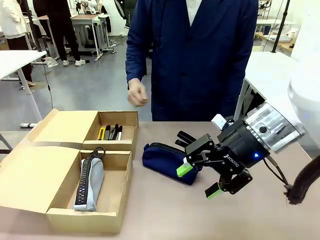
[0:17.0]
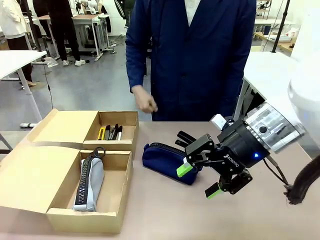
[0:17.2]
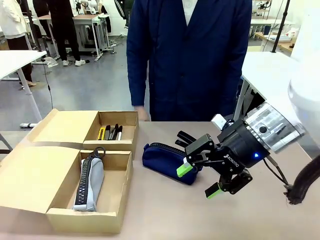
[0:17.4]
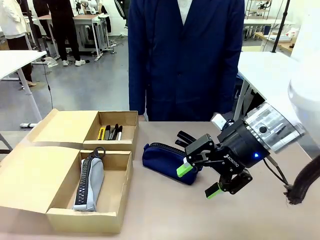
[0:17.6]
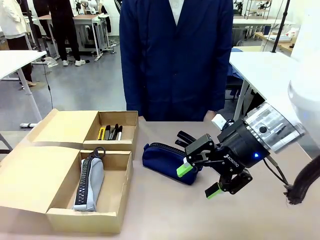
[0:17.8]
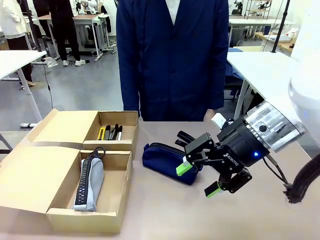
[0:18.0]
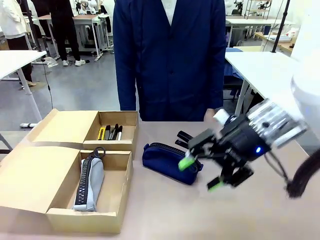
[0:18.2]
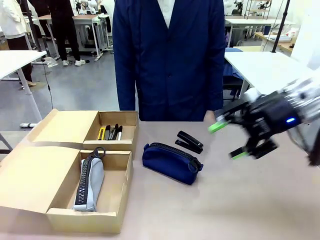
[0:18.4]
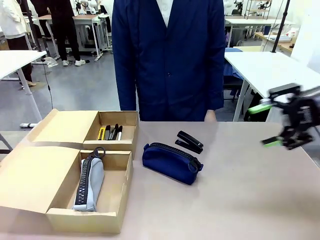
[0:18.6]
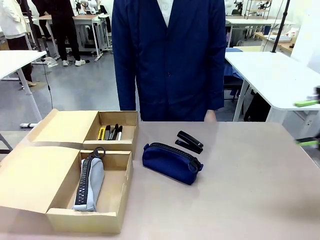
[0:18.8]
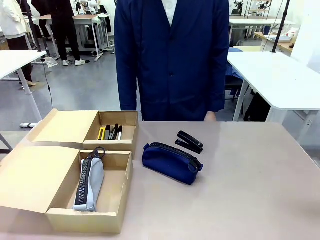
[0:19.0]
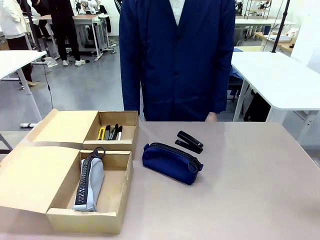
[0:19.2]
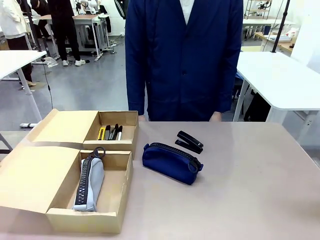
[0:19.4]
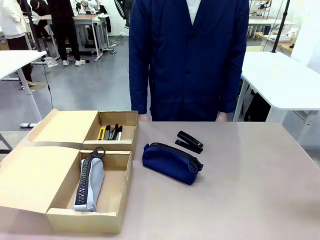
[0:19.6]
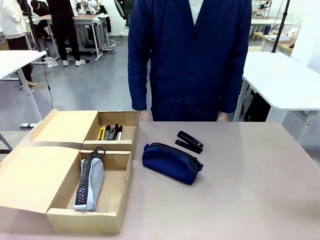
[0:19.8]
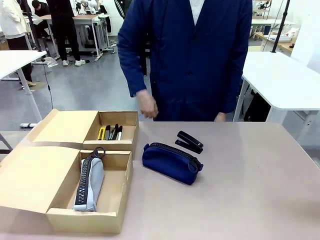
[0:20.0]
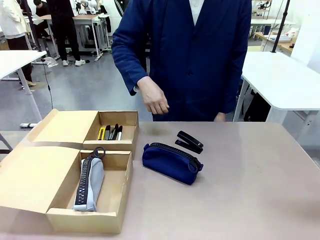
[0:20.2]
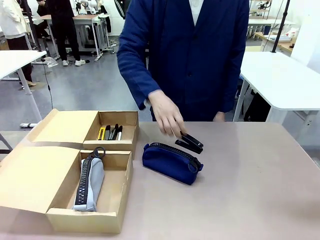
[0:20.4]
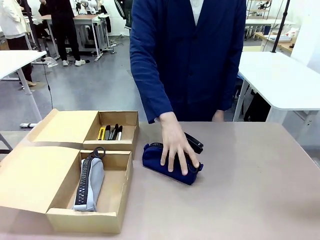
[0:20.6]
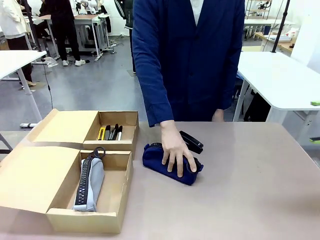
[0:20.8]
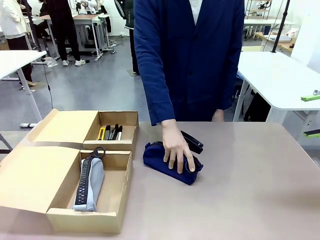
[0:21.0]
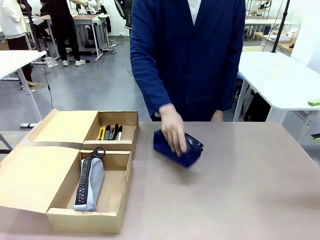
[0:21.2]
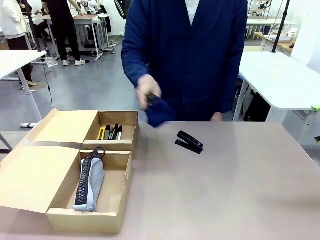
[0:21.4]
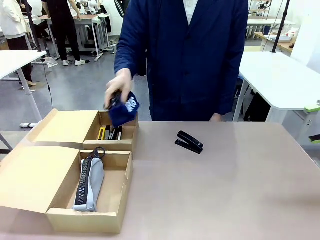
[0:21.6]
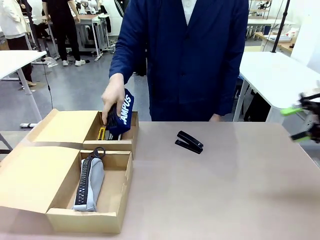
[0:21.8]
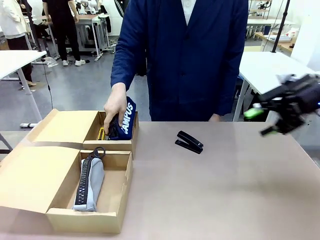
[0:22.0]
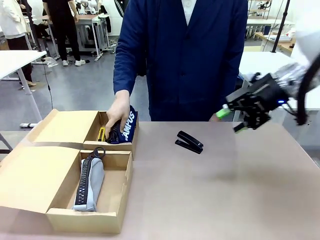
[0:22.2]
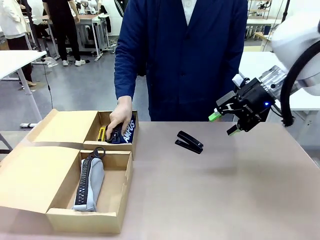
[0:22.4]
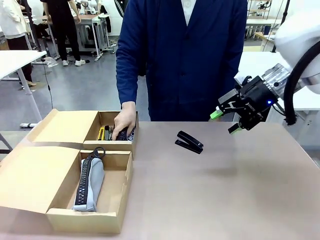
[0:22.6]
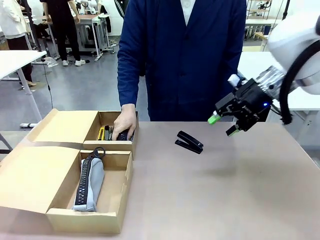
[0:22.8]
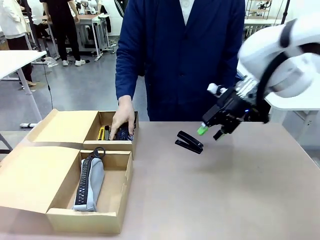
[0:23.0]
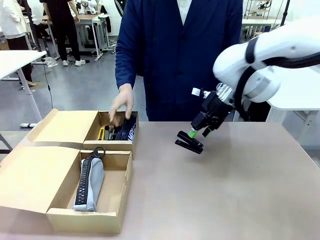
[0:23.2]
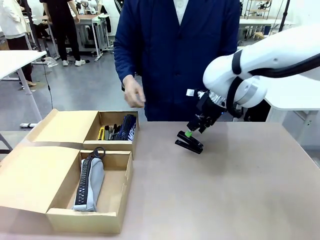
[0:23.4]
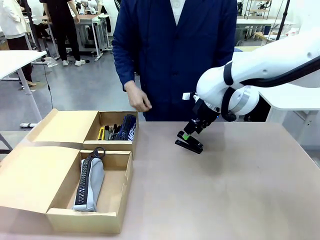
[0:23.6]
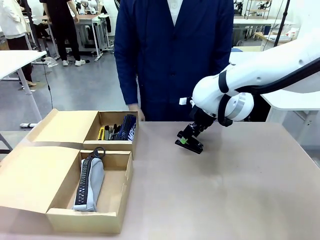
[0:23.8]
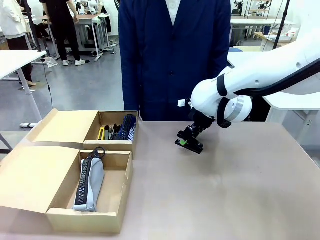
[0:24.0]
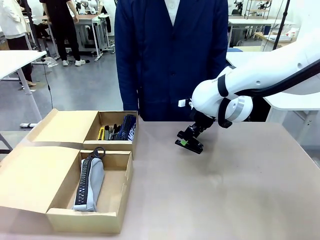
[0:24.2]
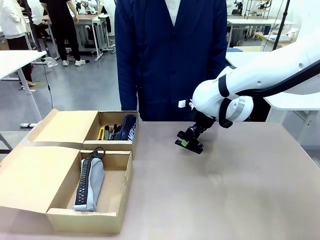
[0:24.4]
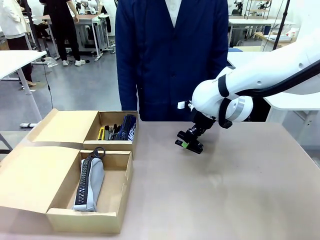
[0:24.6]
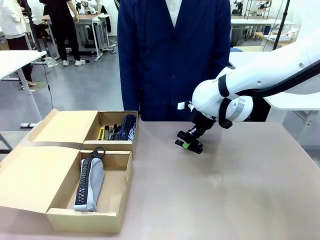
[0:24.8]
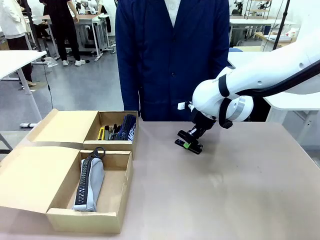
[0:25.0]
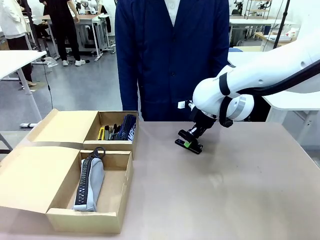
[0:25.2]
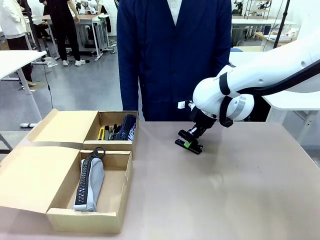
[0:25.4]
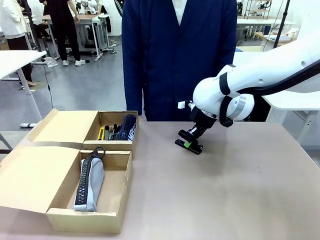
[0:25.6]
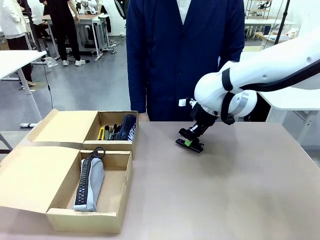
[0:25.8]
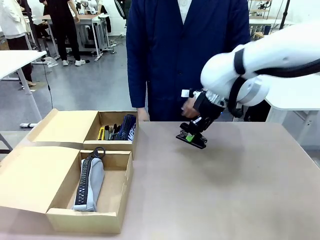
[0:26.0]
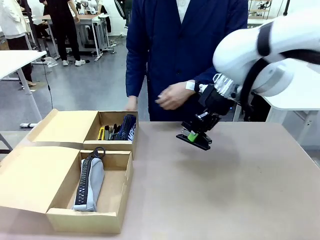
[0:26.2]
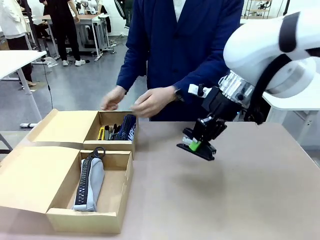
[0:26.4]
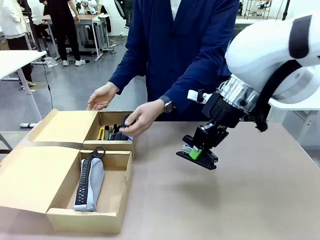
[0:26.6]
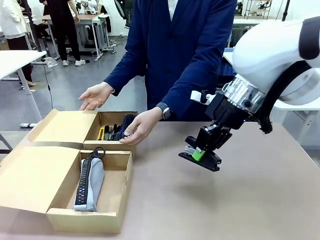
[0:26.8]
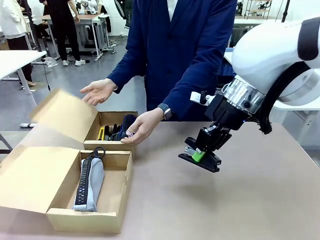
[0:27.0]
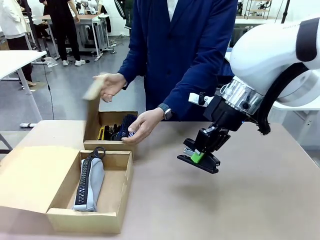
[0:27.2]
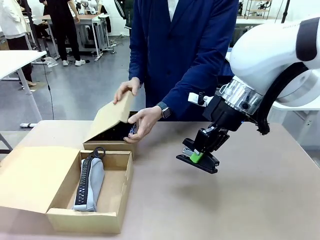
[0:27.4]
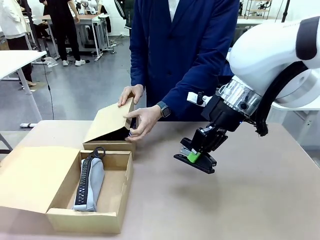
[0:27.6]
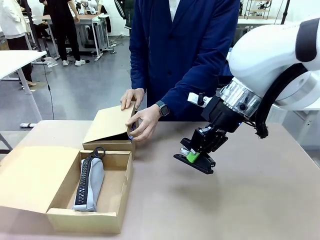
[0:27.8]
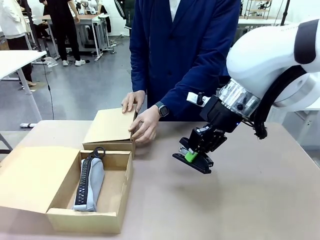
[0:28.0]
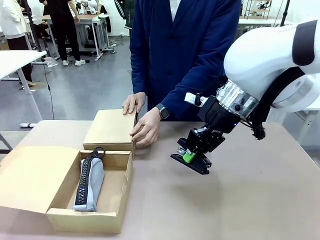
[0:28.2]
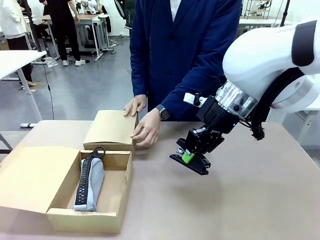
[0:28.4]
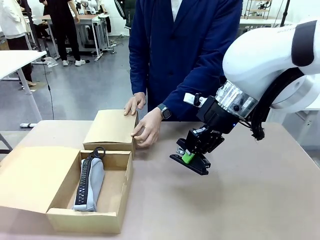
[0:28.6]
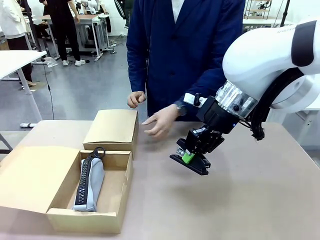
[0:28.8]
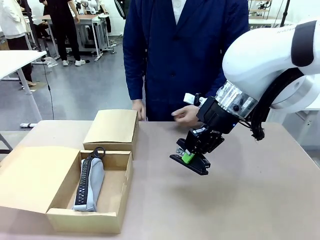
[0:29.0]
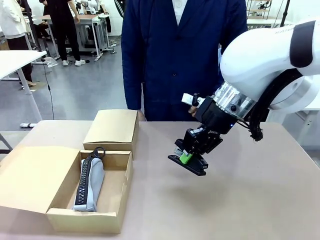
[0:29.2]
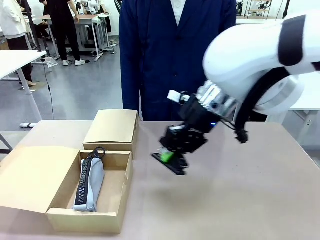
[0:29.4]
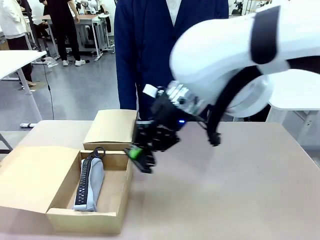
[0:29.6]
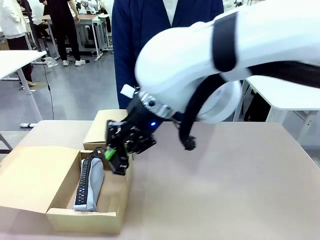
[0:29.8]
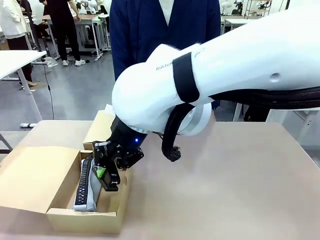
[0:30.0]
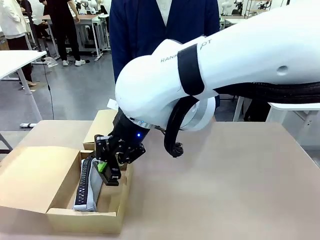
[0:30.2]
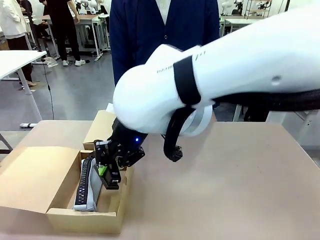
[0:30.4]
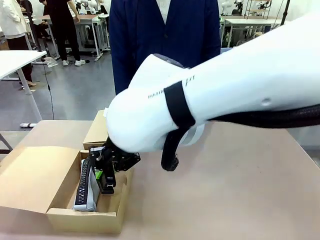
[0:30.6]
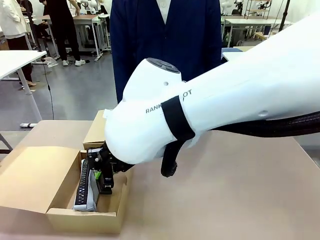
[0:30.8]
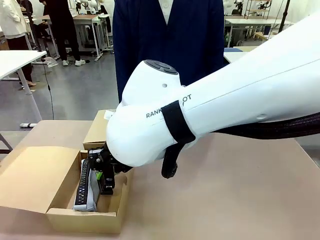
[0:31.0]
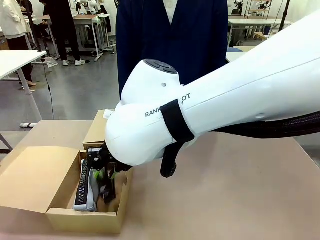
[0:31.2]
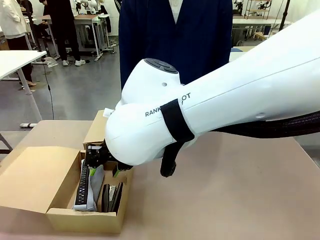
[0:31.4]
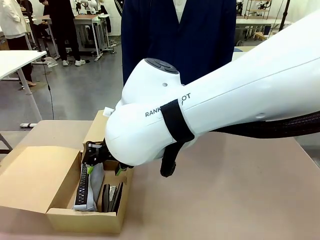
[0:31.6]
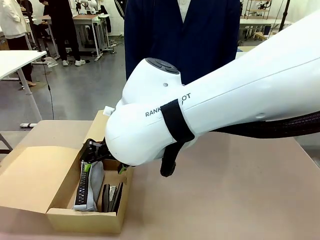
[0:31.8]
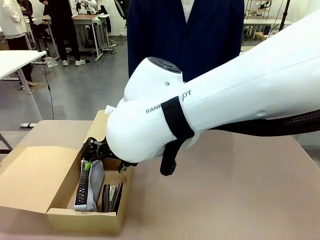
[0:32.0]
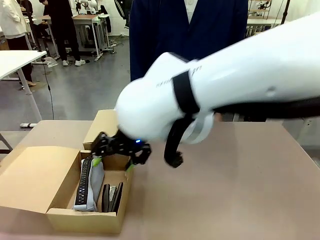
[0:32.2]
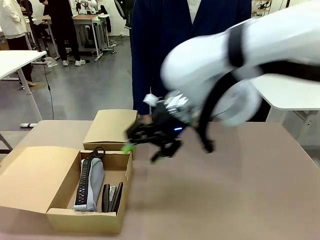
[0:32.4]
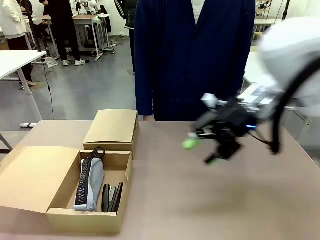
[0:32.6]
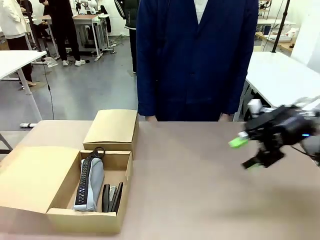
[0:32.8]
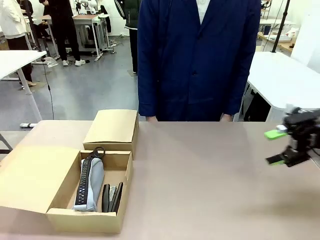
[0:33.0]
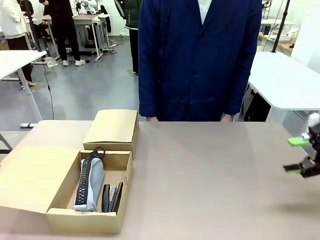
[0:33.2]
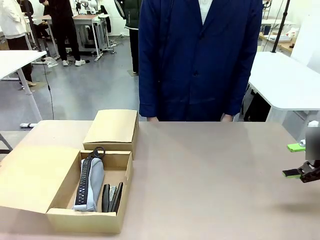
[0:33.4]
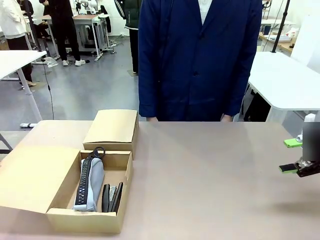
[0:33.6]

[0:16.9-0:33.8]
Task: Place items inside the box.
Robot: Pick up a Pencil pouch or Stapler and place it inside the Mailer Box closest to the robot.
